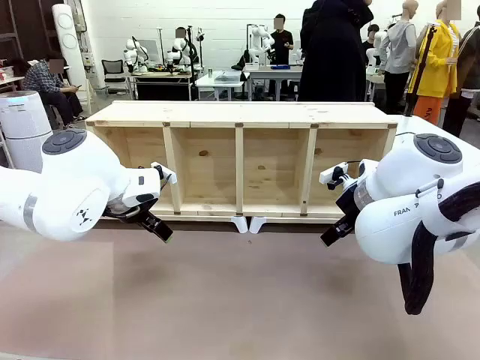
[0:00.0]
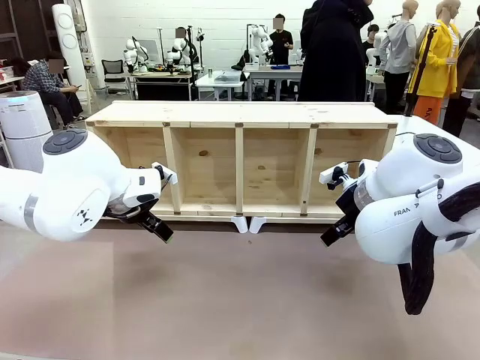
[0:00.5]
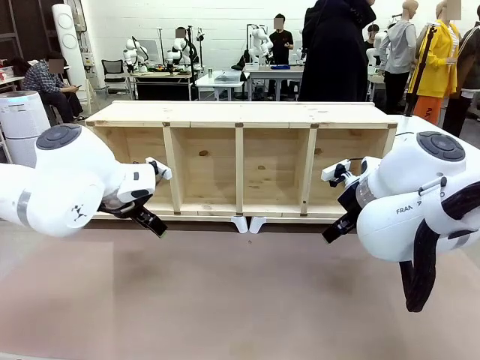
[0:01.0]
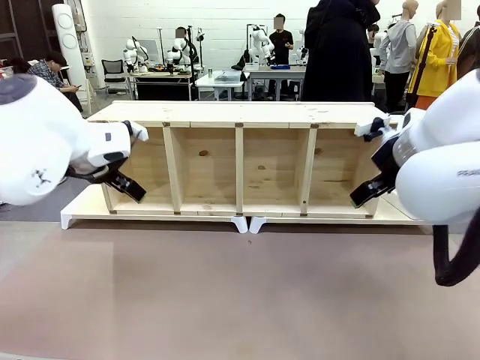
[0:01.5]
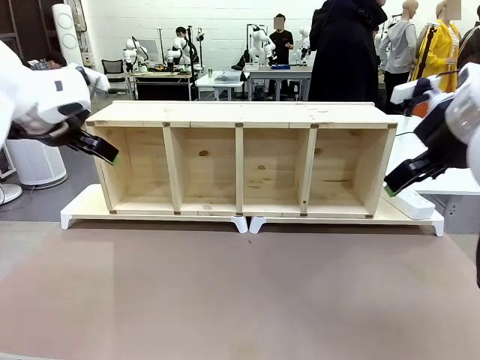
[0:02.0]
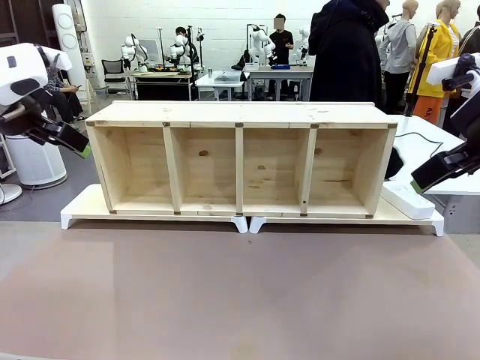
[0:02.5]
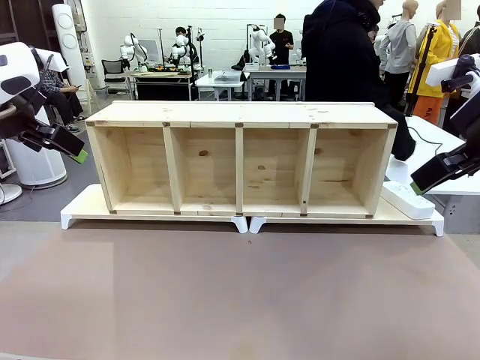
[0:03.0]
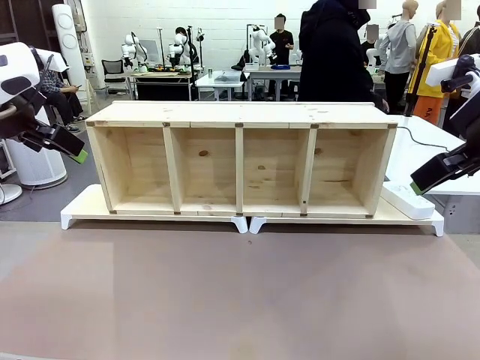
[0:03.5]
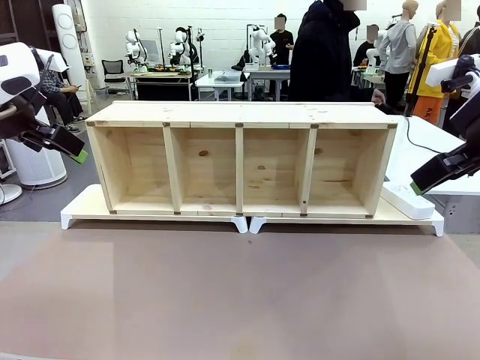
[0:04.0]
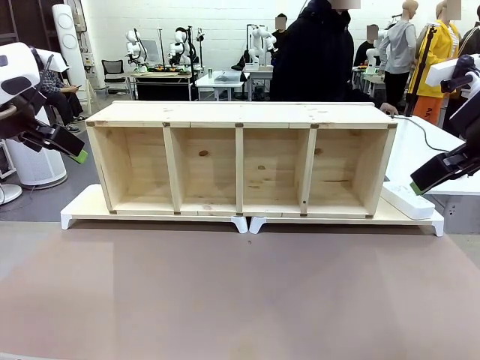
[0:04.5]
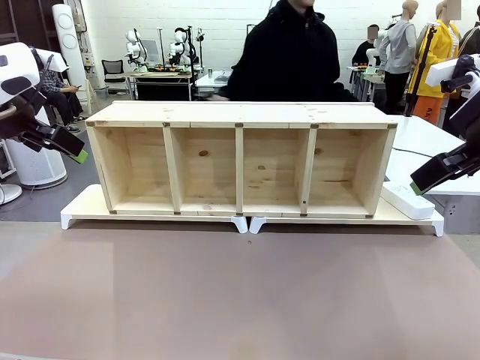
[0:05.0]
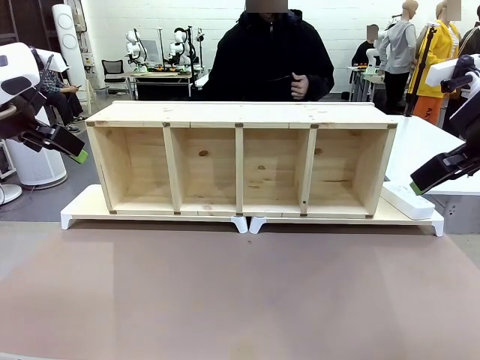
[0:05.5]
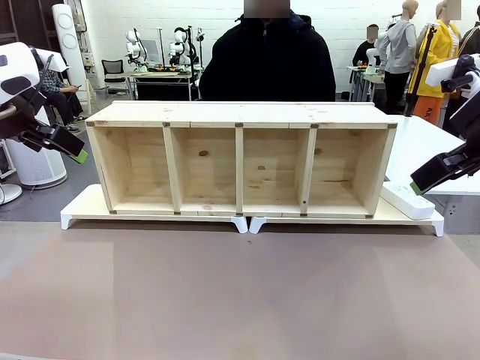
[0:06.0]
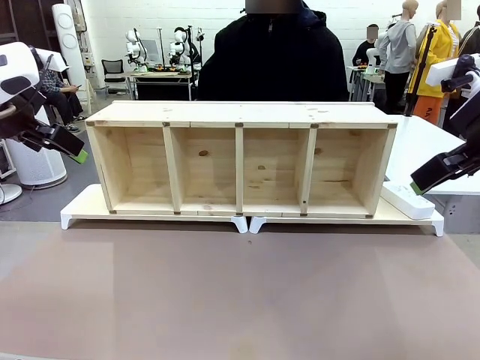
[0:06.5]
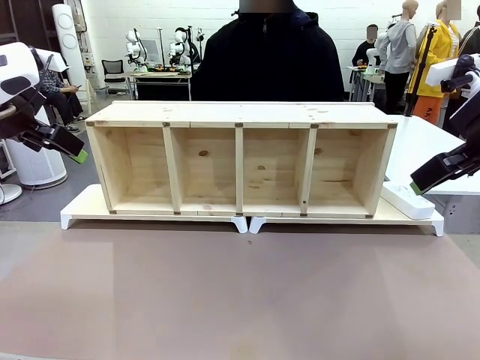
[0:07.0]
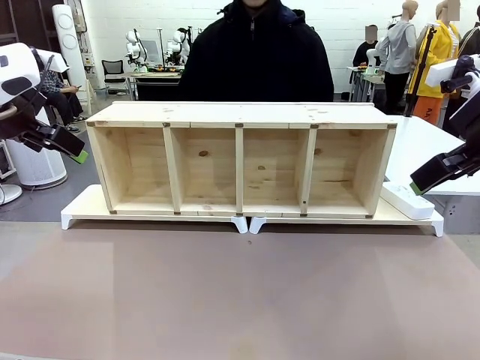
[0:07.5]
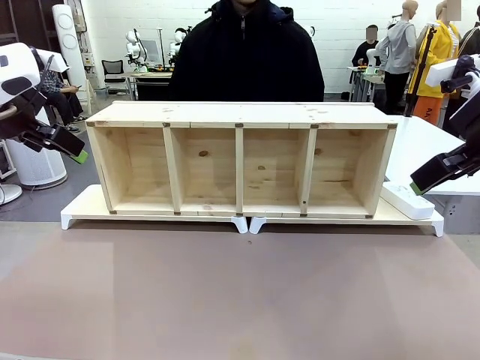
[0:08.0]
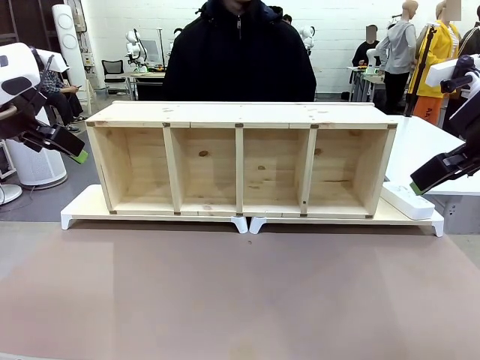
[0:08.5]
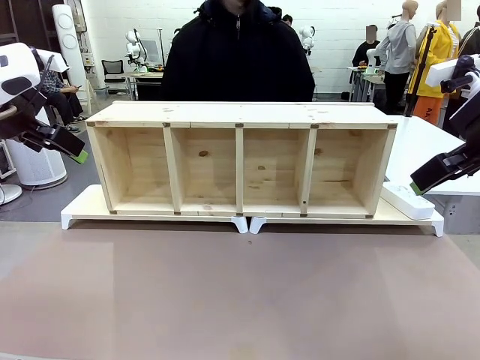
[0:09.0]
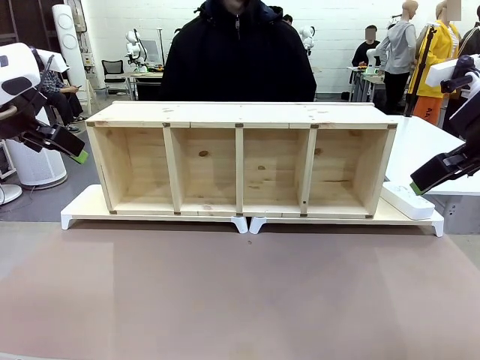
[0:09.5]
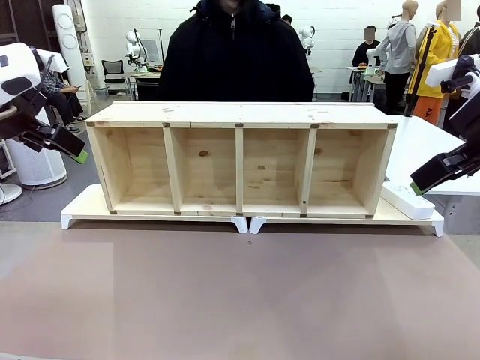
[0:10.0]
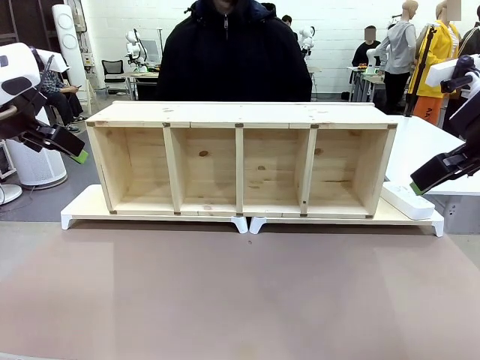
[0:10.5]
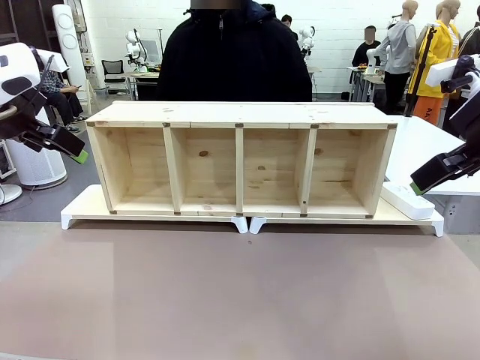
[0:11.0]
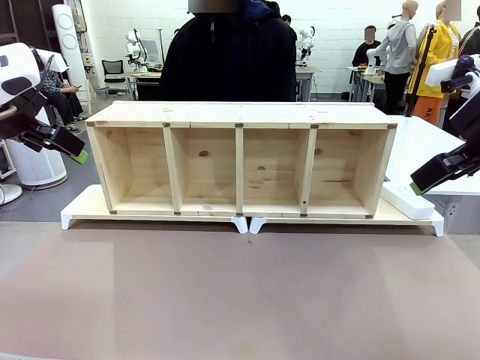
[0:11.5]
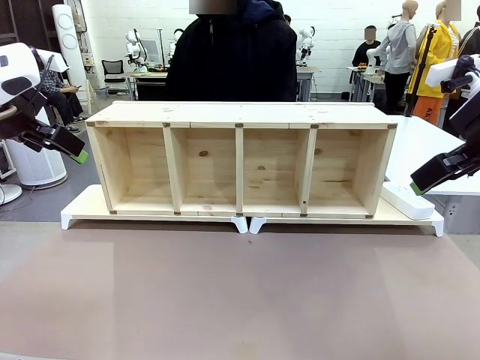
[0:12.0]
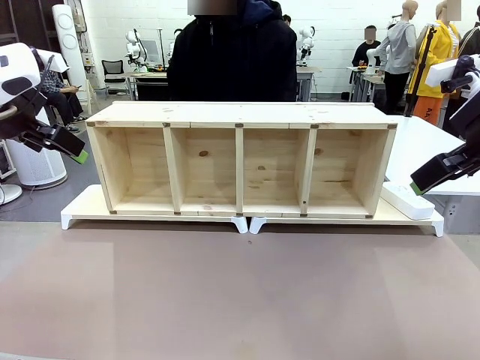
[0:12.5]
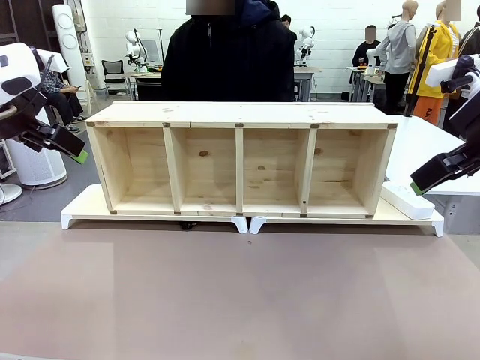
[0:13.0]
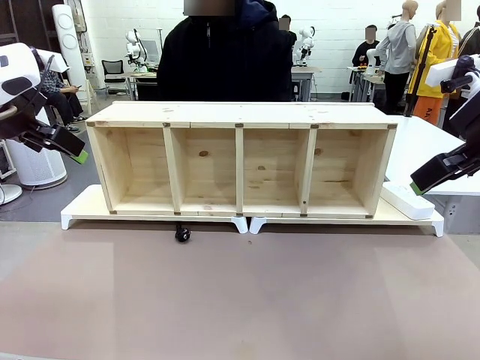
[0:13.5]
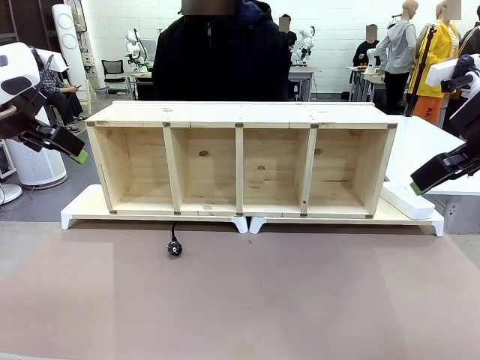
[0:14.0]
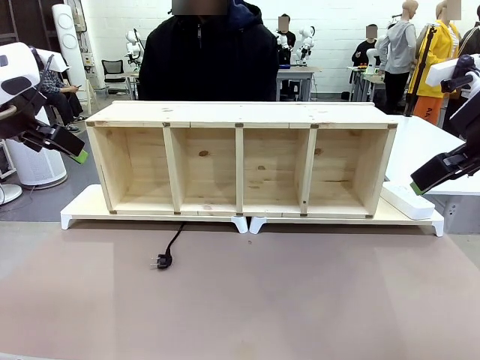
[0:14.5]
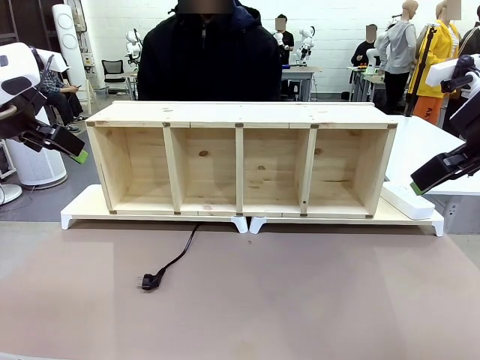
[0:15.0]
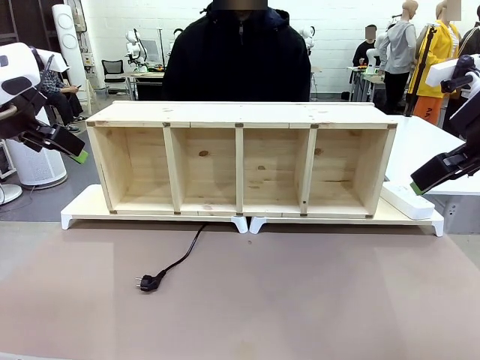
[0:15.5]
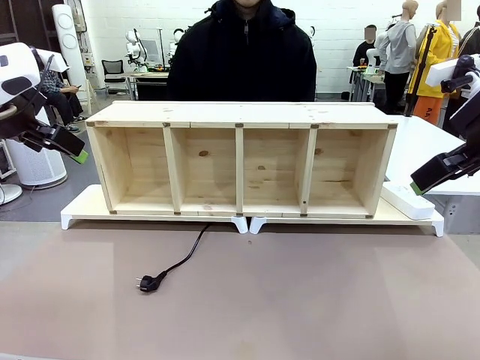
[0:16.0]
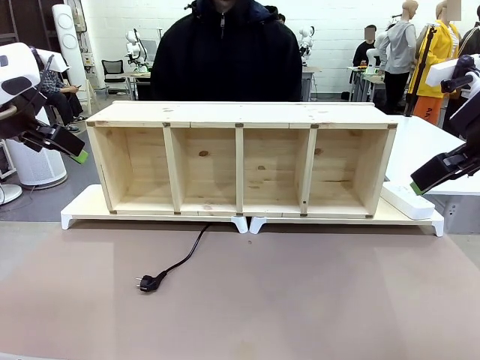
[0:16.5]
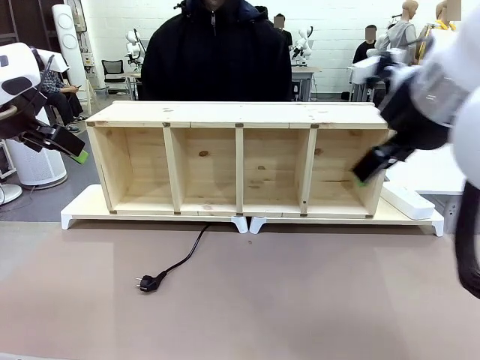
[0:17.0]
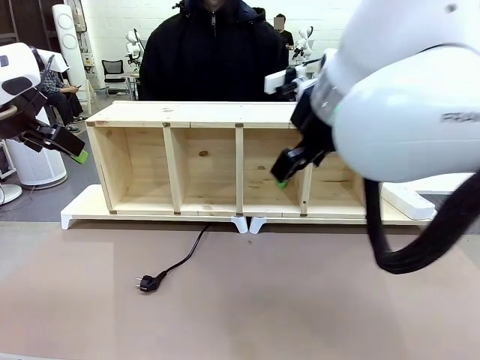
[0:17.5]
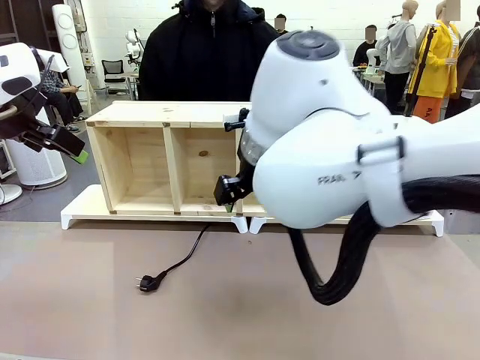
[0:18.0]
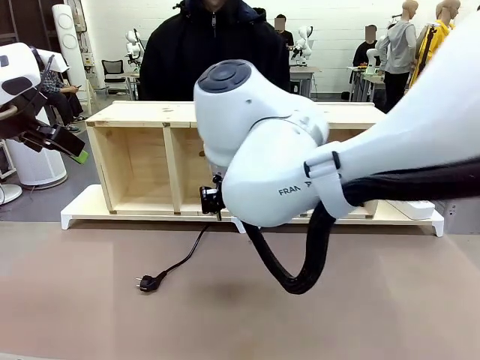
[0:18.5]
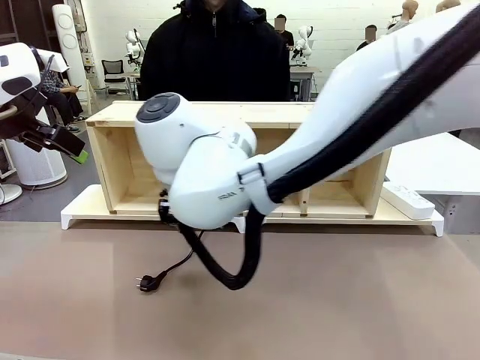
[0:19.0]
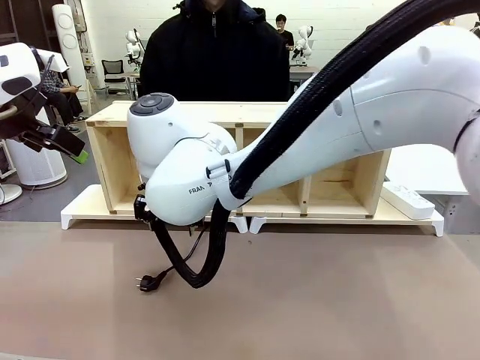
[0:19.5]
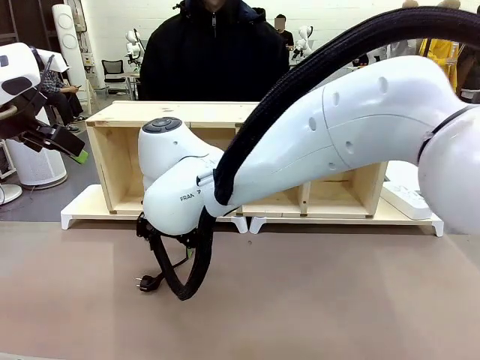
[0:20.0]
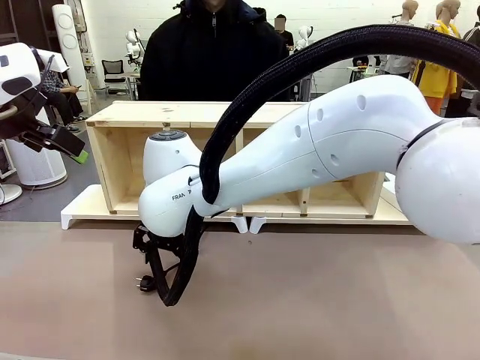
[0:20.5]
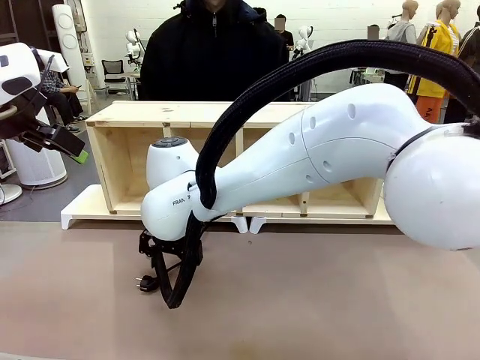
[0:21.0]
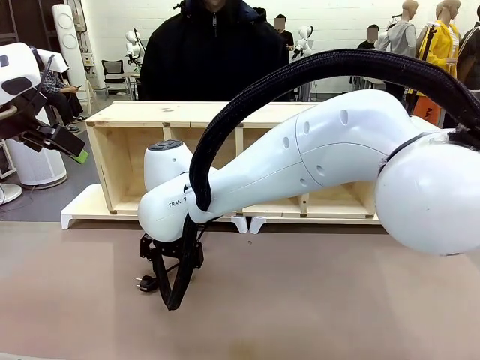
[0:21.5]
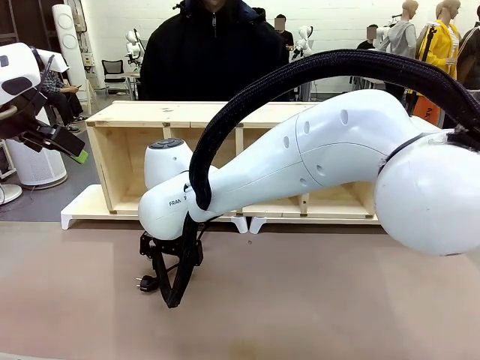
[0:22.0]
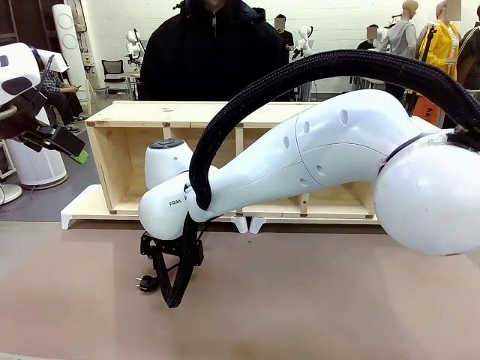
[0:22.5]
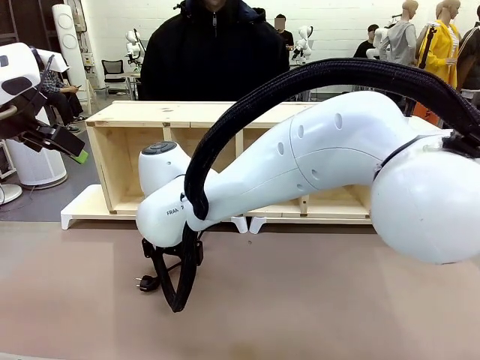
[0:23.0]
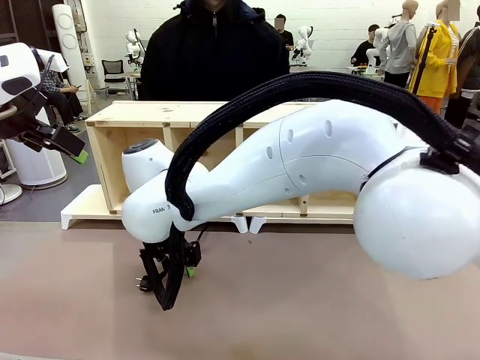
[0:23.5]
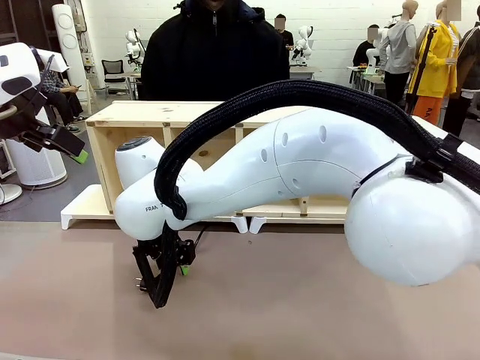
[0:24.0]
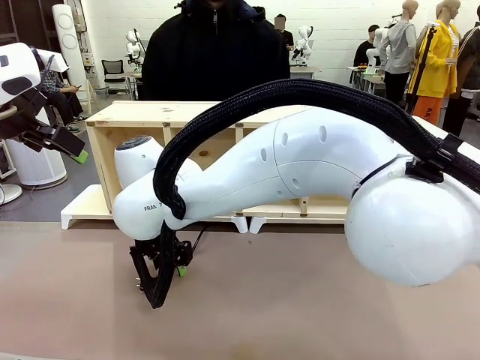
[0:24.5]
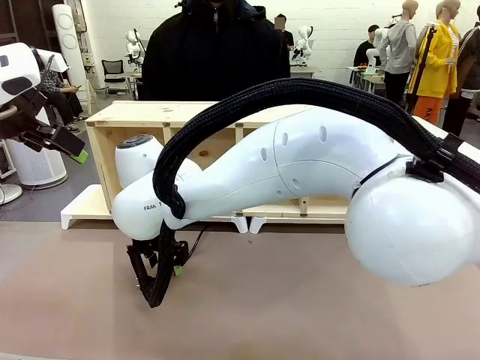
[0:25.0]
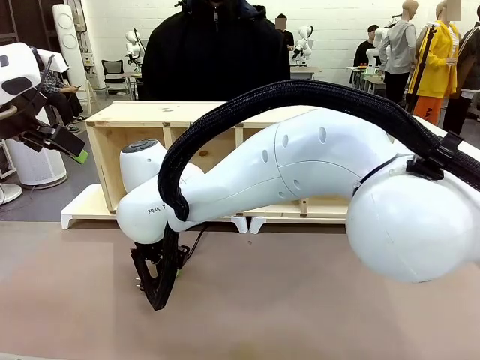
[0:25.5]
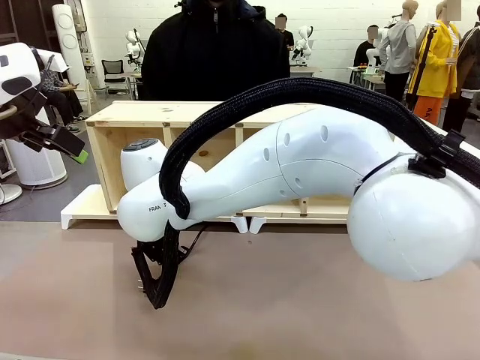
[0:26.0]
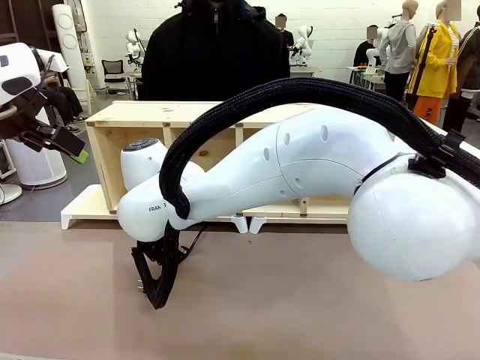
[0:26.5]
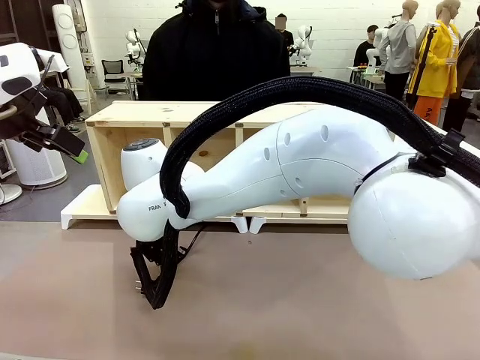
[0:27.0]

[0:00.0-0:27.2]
Task: Perform cable management.
Robot: When the cord part of the Power Cable appears at the lower middle area of the table and stops, grasp the cord part of the Power Cable.
Person: Pass the Power Cable under the Serving Table.
